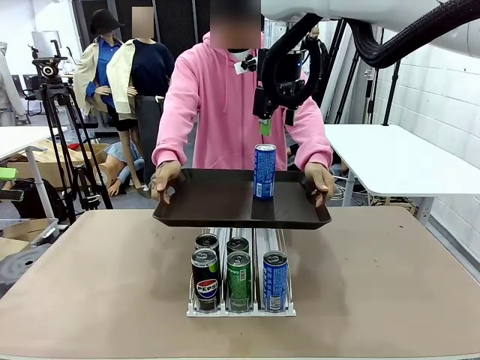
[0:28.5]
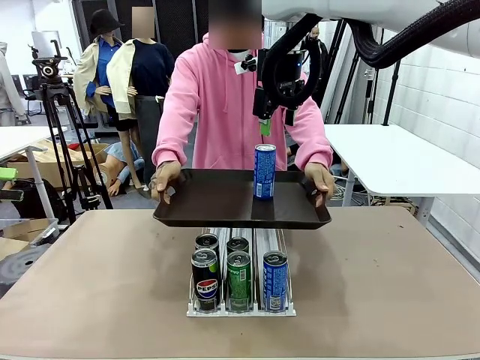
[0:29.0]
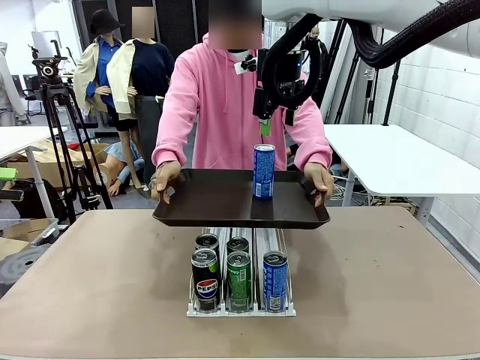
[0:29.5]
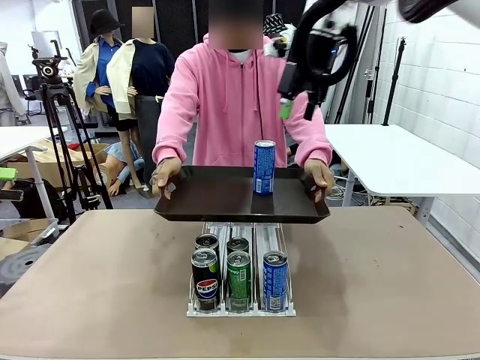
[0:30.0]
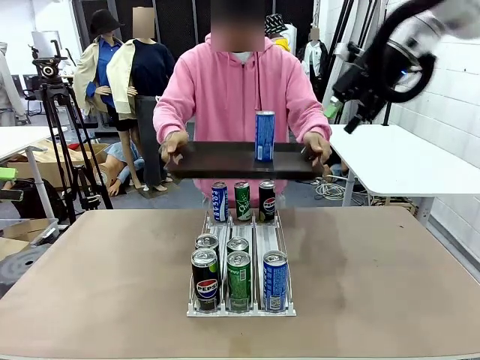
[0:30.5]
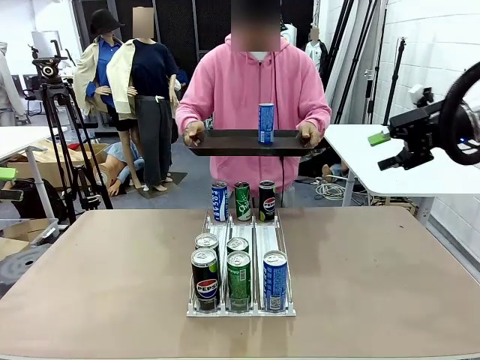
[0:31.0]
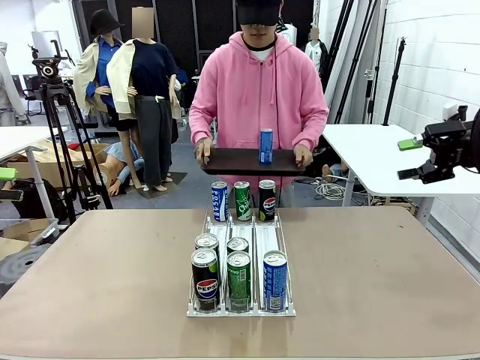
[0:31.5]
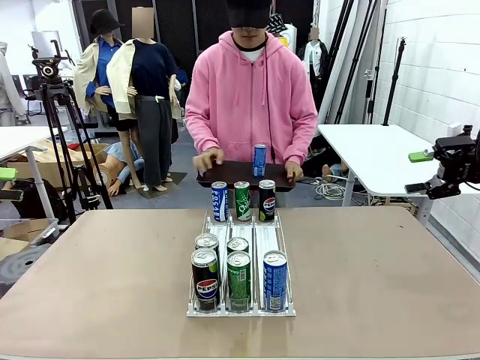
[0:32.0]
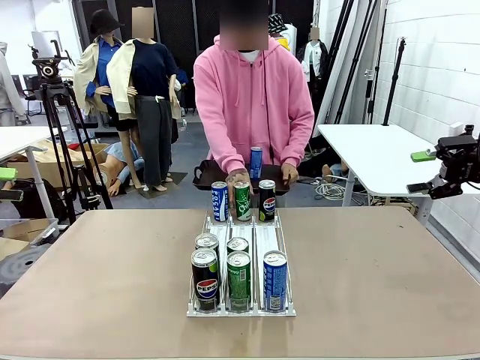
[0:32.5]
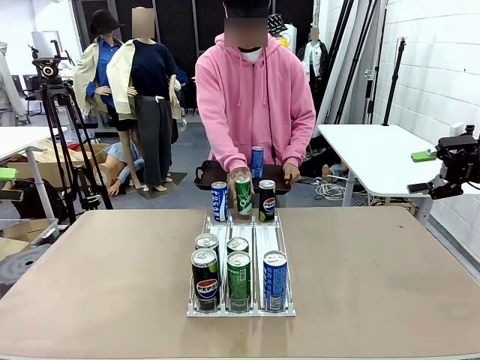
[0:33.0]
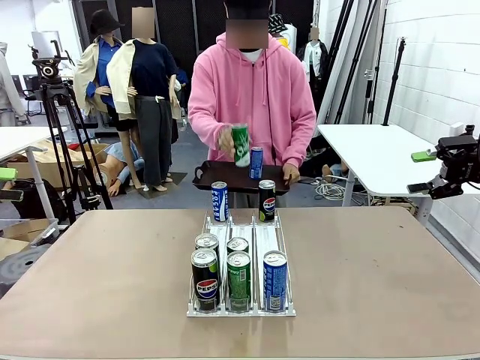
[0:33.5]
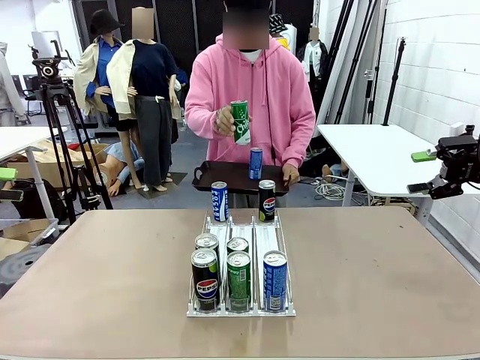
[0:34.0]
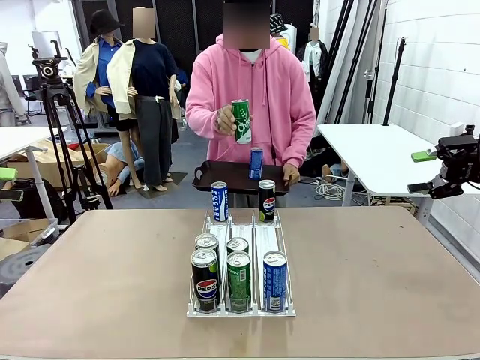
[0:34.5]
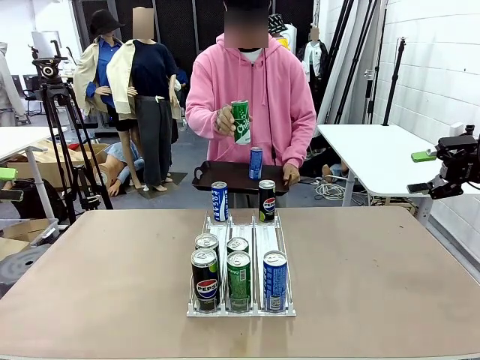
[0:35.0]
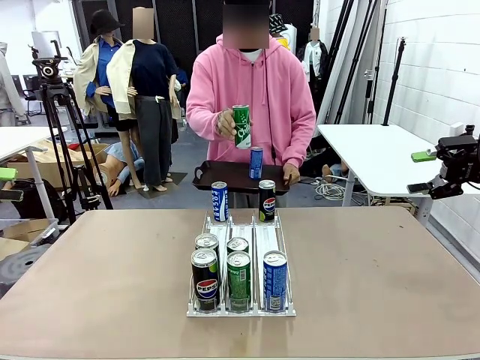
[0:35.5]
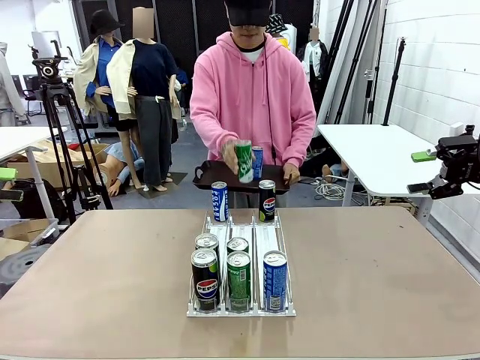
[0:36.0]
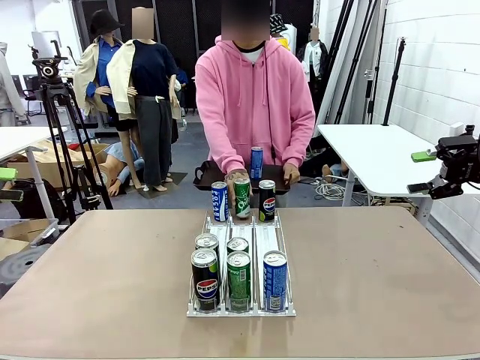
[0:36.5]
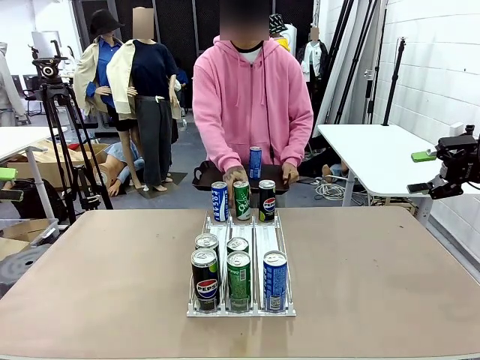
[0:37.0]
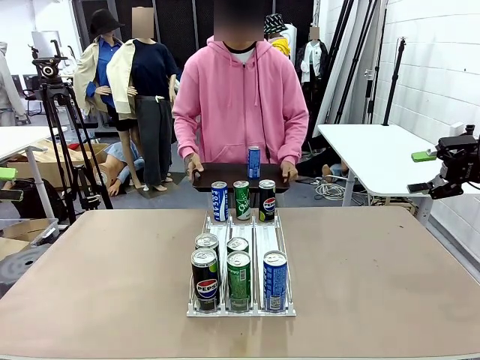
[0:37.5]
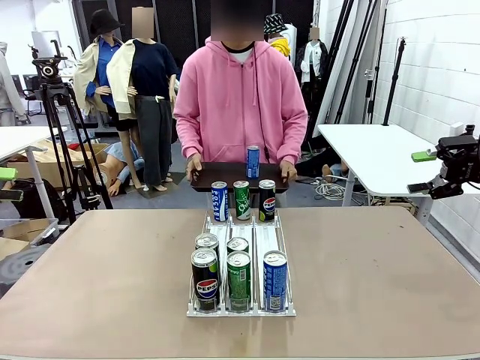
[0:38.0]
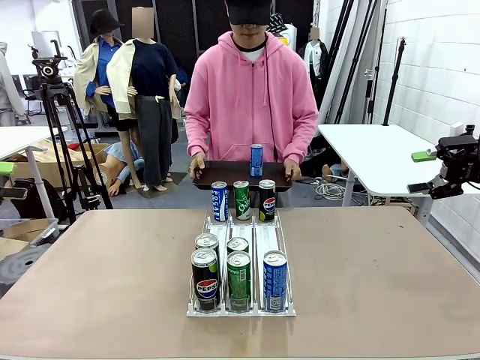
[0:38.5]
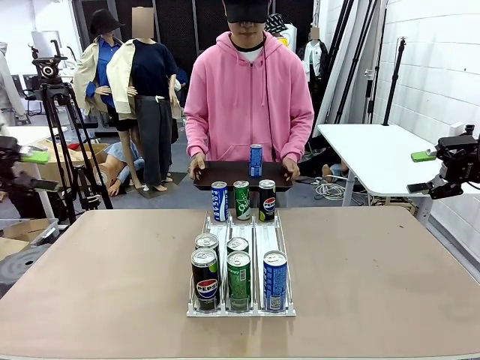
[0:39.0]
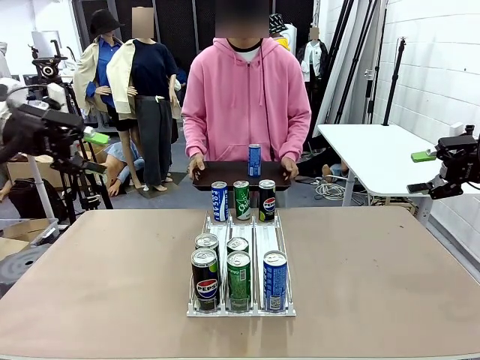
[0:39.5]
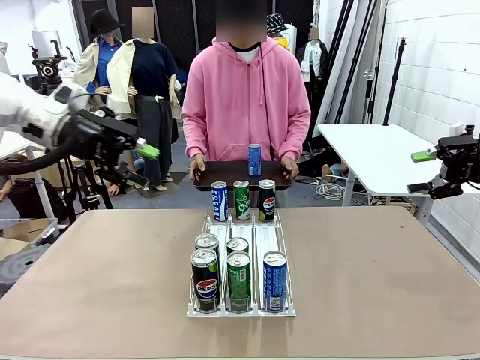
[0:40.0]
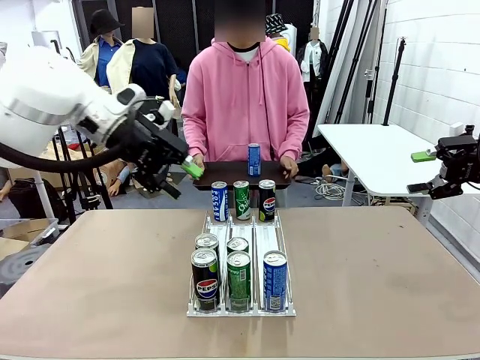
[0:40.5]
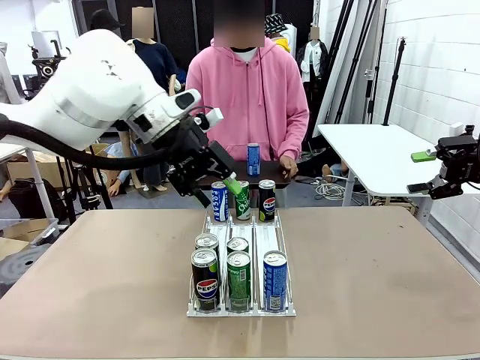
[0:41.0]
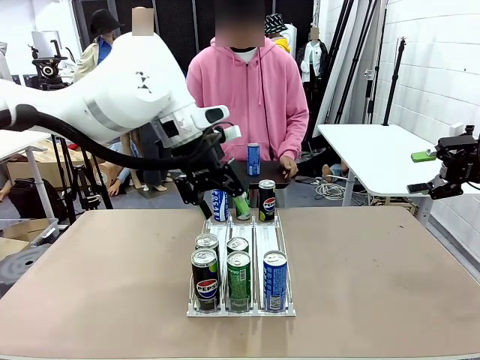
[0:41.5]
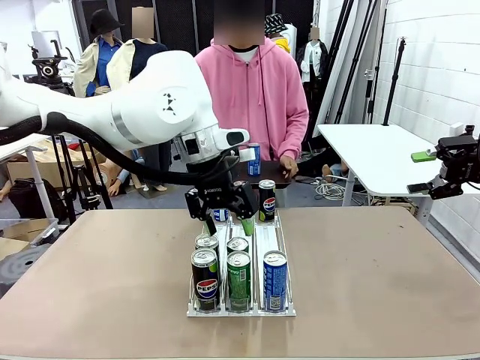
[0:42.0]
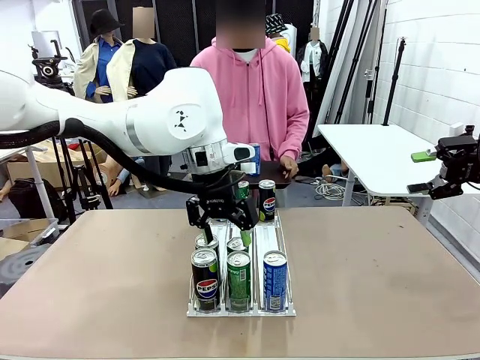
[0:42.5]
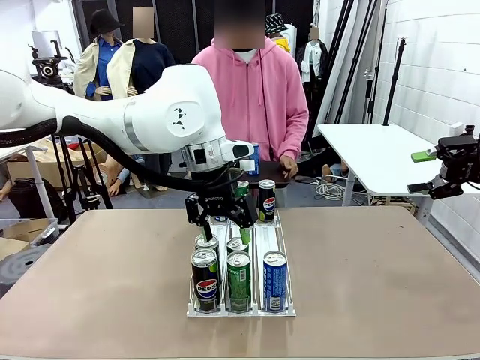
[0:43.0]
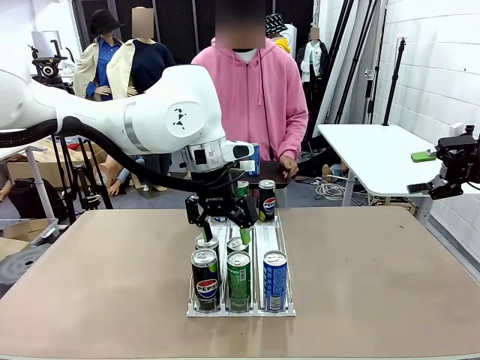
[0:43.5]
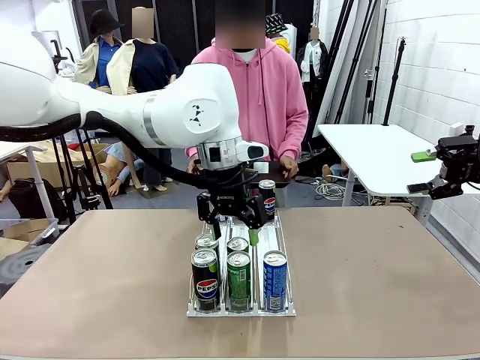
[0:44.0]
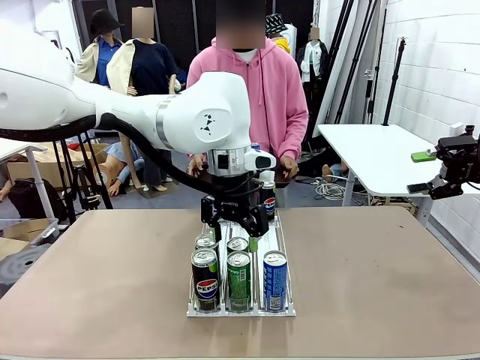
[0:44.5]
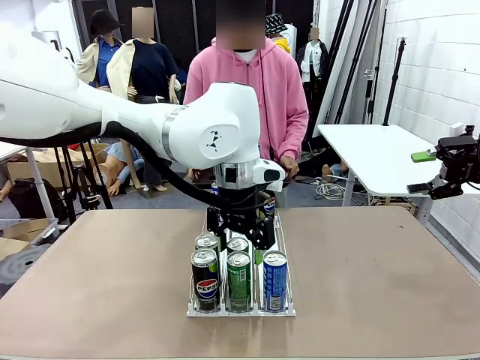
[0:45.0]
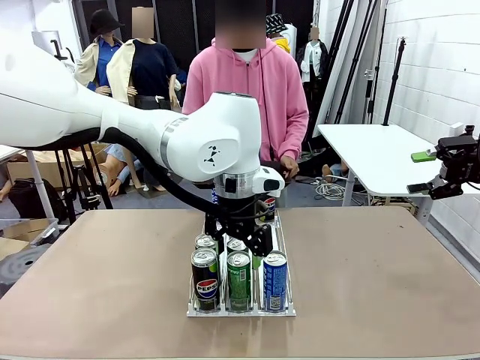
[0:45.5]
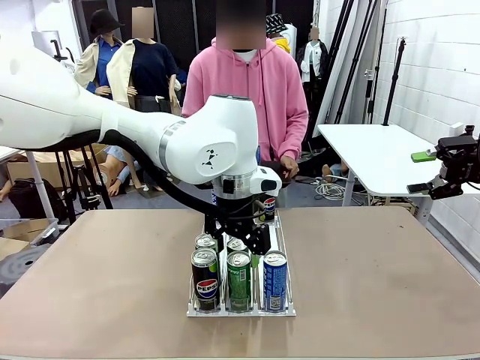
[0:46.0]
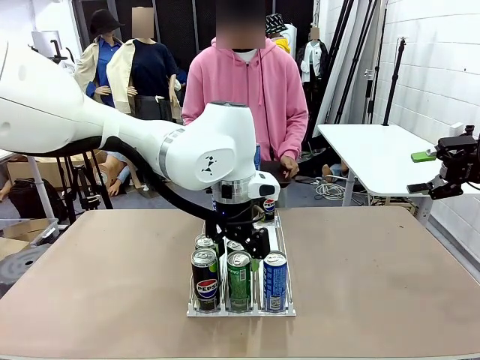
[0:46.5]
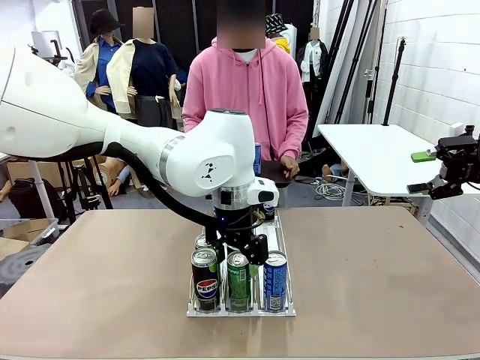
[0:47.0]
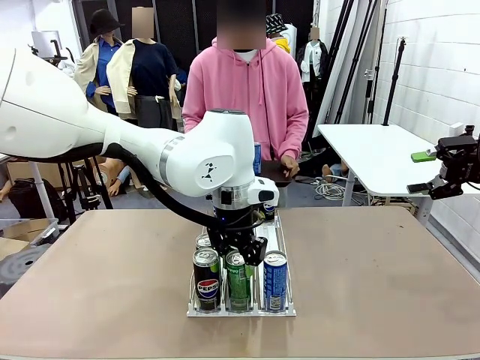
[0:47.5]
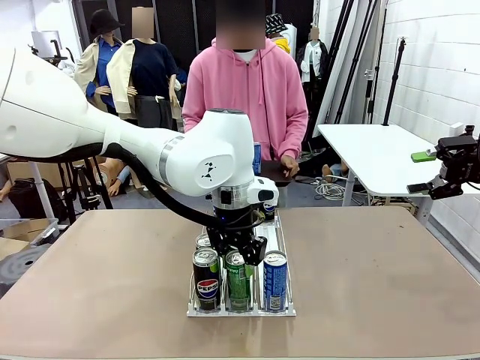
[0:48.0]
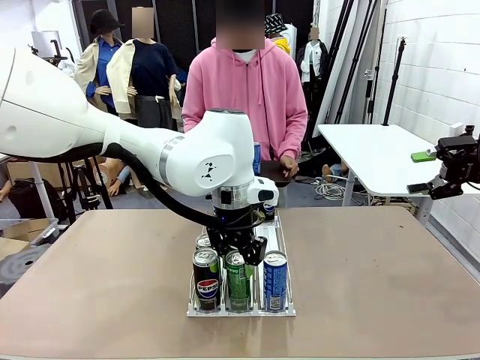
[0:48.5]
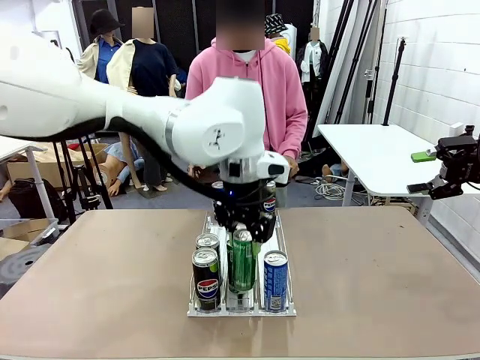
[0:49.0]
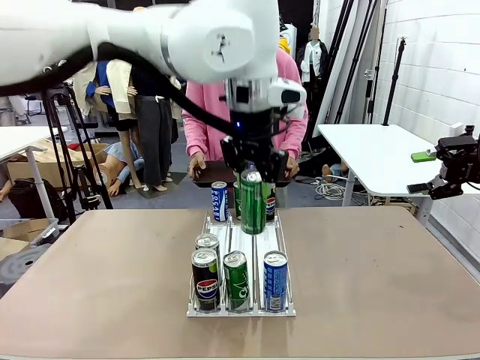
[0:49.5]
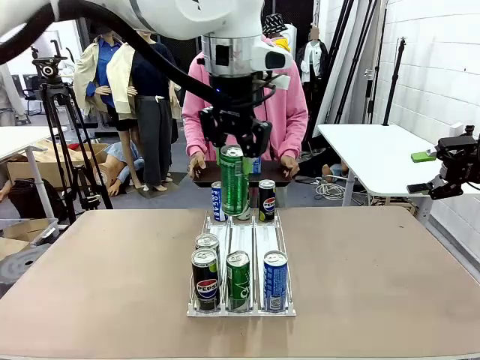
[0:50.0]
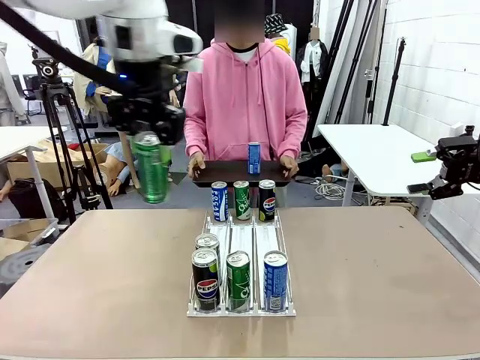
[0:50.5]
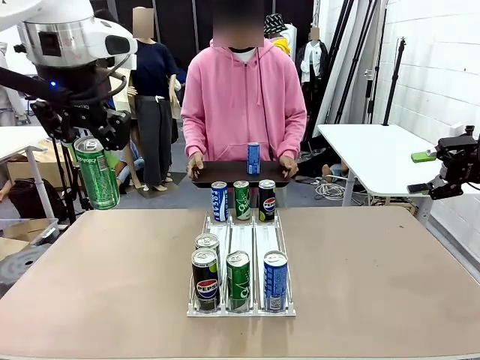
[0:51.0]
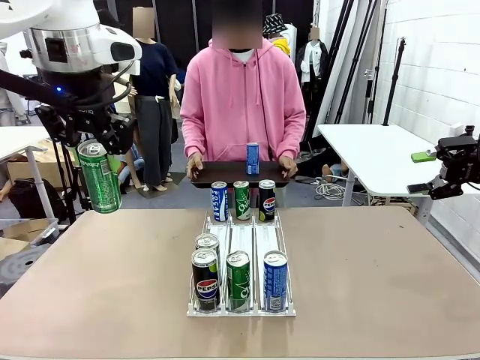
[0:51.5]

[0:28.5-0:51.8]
Task: Retrieve and hand over the desired beverage to the person.
Robot: Pick up another can of the same type that the person held from the Automatic Can Dispenser.
Person: Pull the tray back, then pick up another can from the bottom area of the table and puts it back in its original place. Push the tray toward the robot again.
